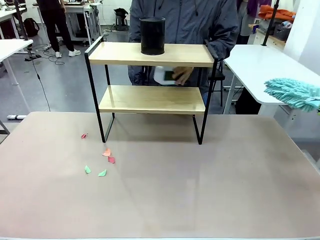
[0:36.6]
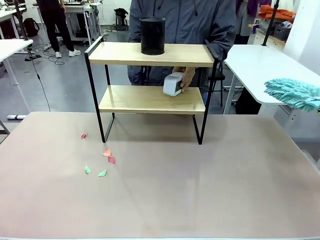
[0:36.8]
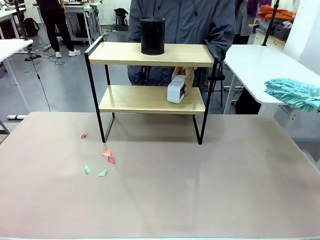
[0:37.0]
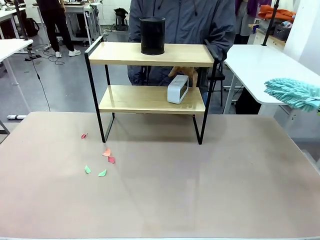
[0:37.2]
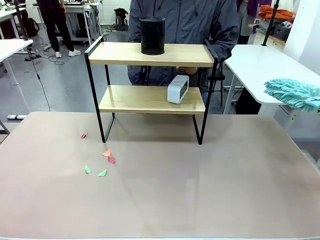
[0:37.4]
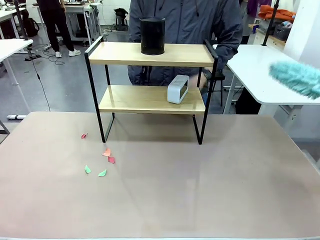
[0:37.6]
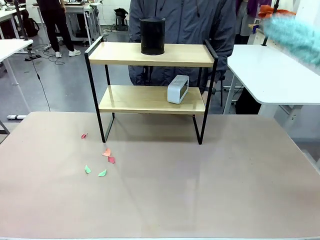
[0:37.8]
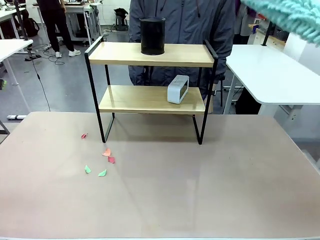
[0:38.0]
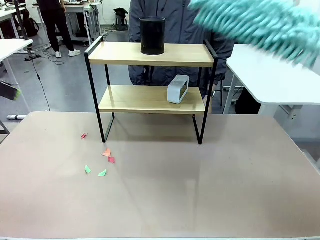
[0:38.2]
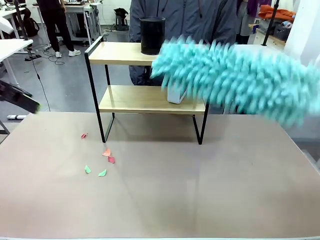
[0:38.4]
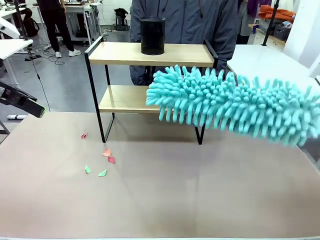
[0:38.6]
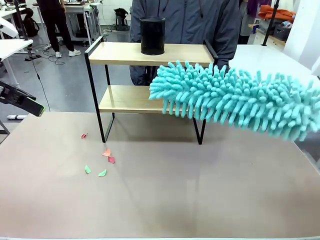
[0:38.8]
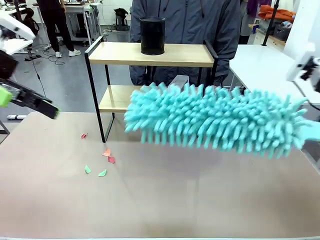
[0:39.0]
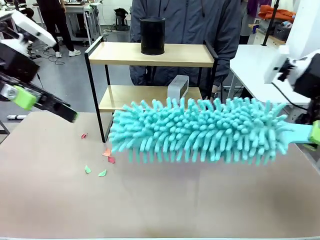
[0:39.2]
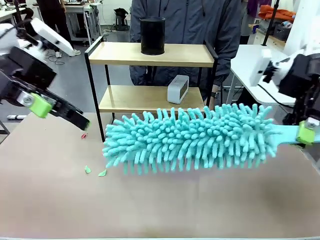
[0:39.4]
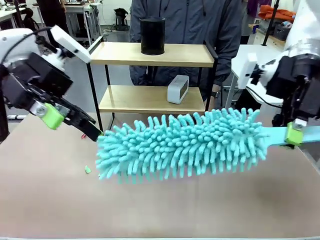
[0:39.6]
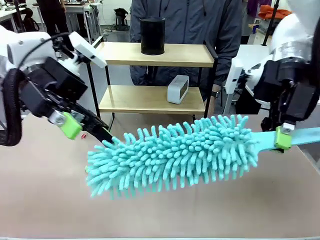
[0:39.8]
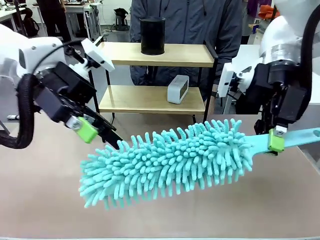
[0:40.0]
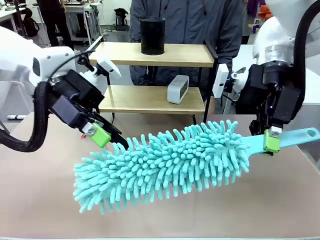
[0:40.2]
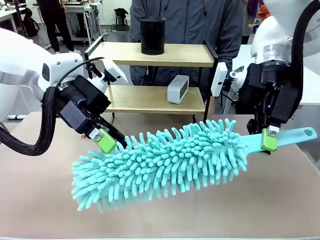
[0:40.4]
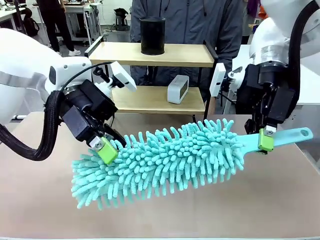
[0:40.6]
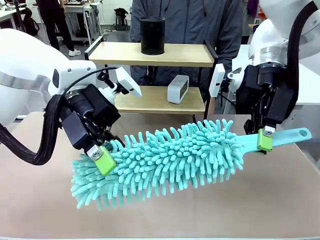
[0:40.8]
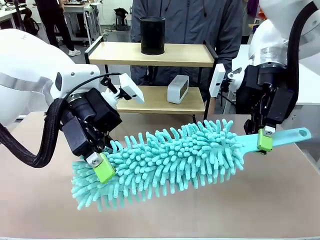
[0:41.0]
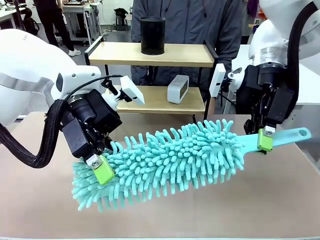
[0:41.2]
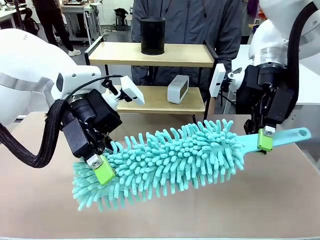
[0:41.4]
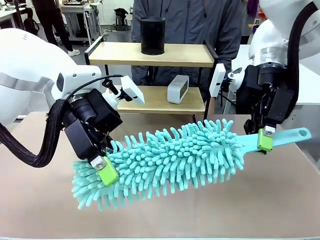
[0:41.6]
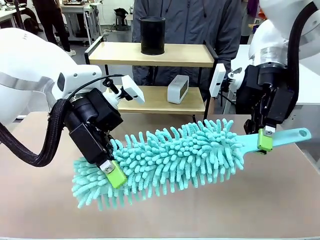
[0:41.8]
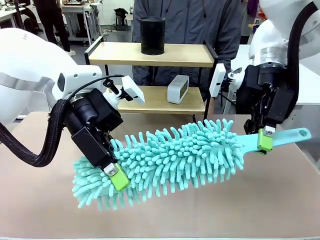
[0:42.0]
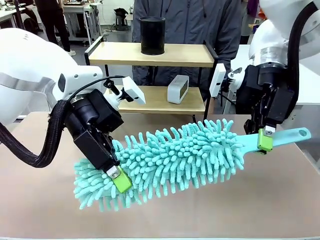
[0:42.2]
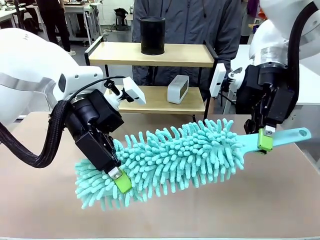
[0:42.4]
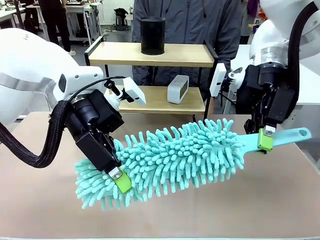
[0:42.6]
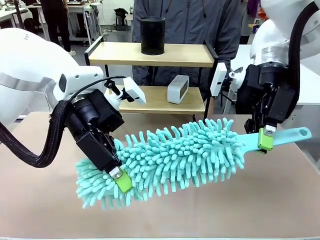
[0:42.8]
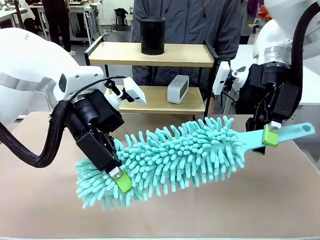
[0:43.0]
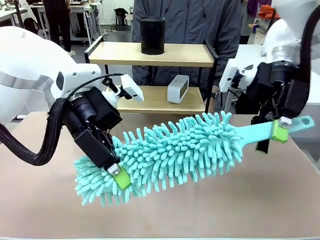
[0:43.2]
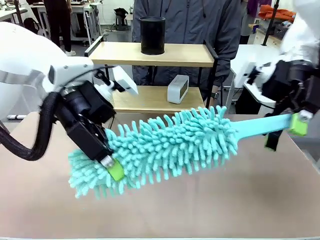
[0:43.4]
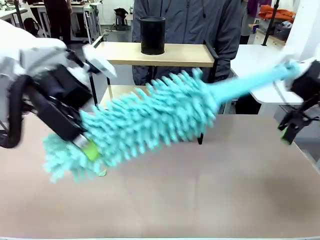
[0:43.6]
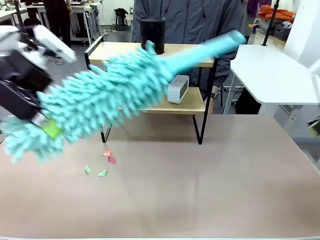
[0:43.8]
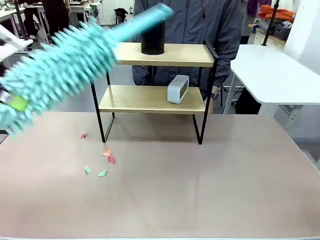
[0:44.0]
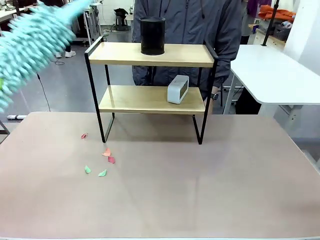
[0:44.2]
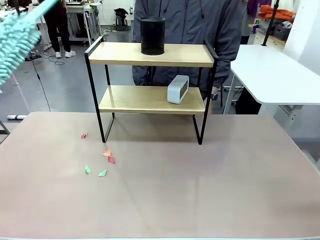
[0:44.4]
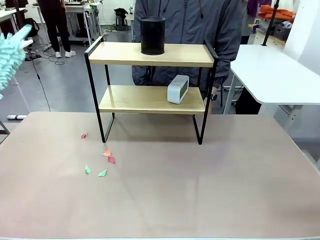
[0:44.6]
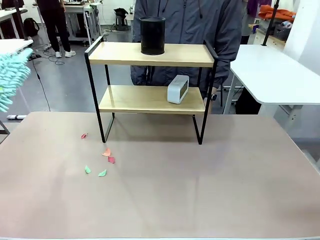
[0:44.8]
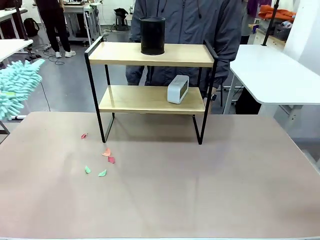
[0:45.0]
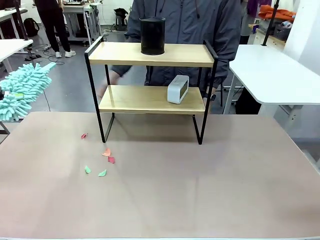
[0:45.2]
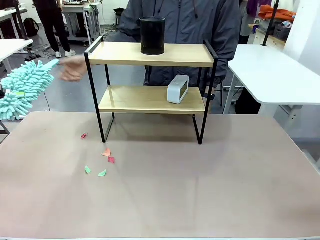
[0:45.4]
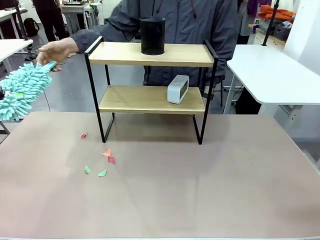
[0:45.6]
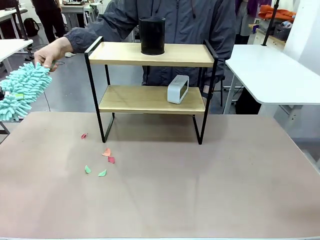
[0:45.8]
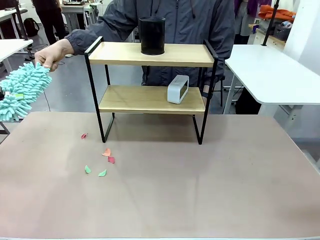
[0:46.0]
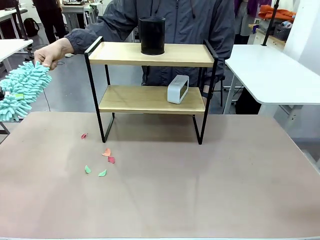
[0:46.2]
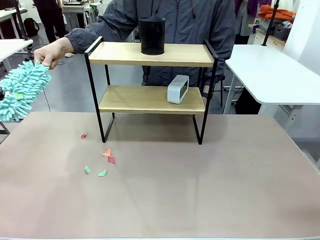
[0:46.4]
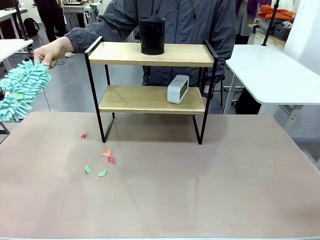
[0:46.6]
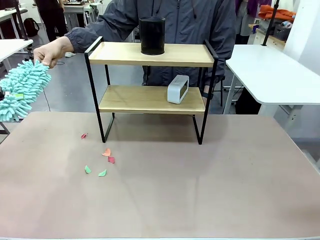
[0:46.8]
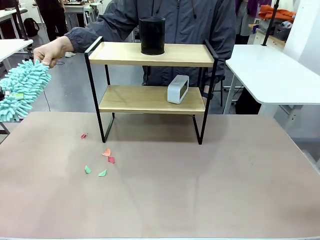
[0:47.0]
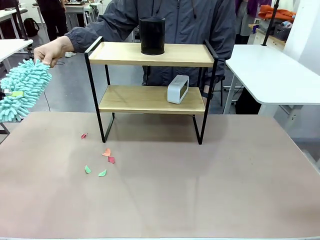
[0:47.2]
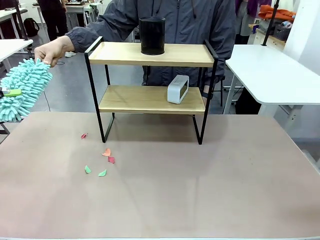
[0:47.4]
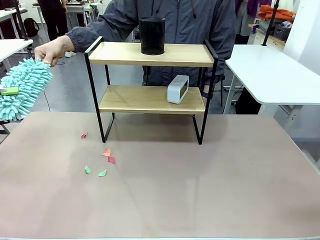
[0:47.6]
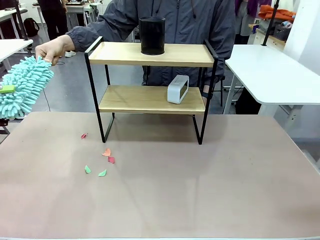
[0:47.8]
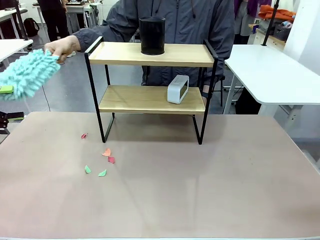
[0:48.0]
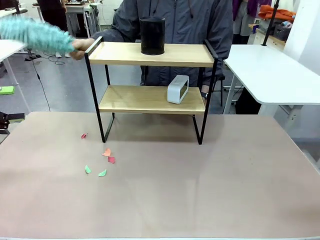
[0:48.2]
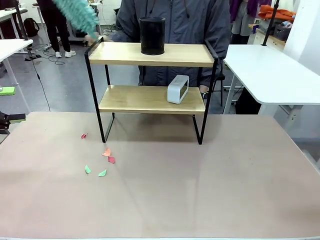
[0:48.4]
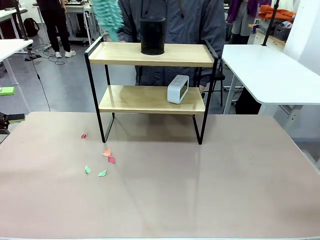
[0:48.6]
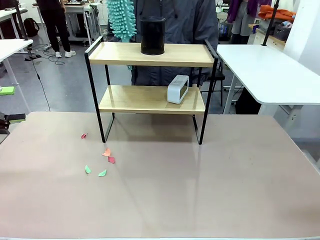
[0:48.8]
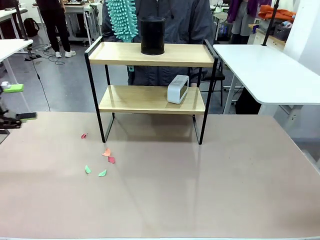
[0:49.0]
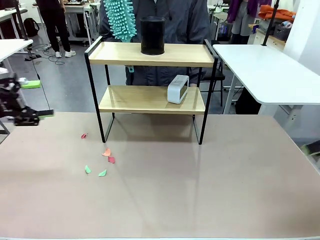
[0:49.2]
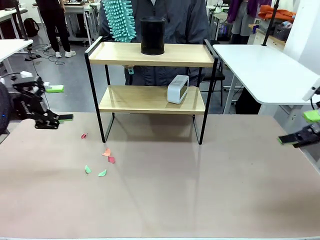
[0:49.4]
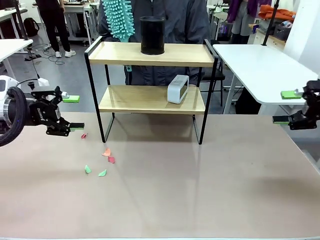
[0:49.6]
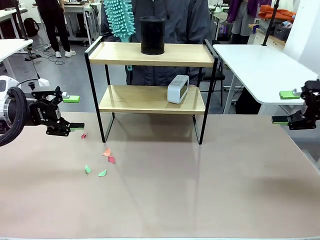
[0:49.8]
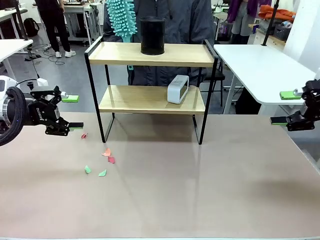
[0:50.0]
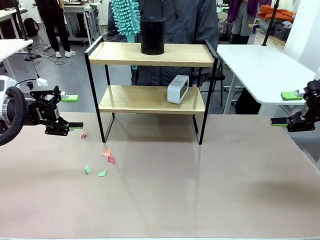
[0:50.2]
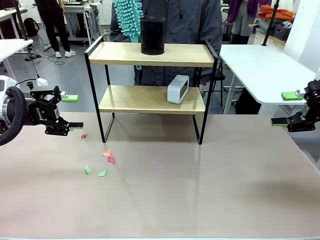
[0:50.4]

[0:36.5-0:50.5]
Task: Clean the shelf.
Robot: Hand the Duster back to the human.
Person: Receive the Duster from the robot.
